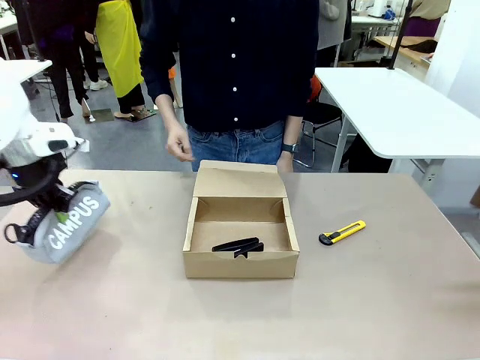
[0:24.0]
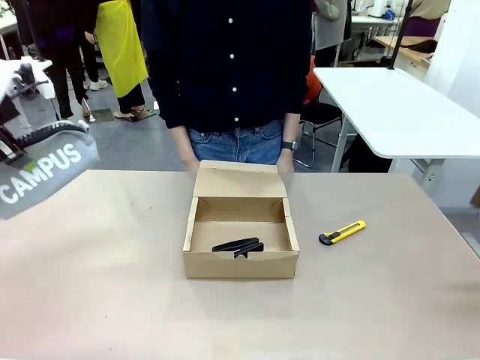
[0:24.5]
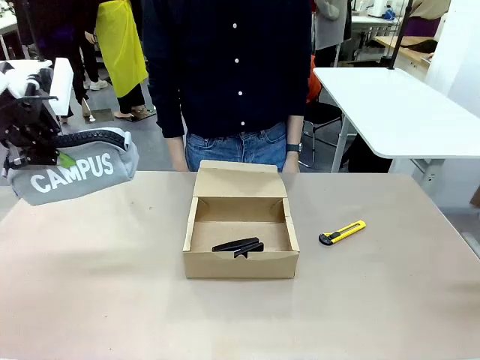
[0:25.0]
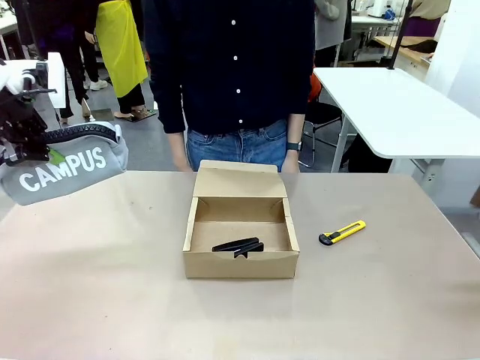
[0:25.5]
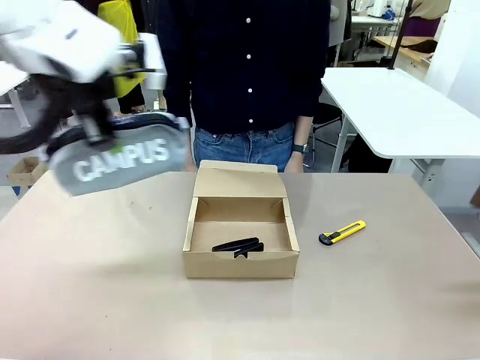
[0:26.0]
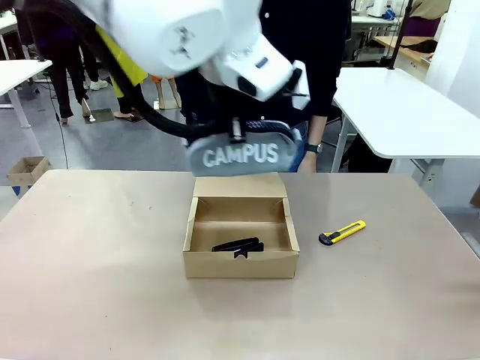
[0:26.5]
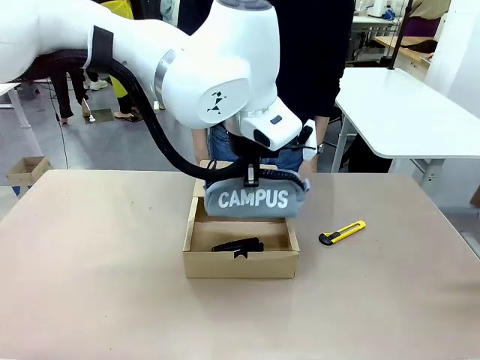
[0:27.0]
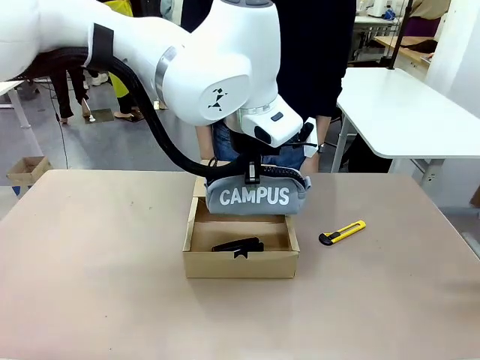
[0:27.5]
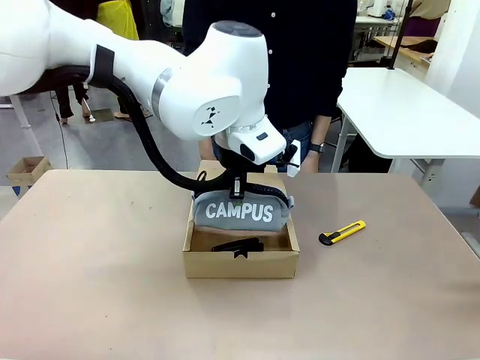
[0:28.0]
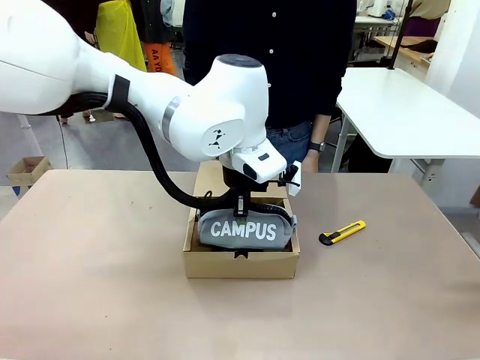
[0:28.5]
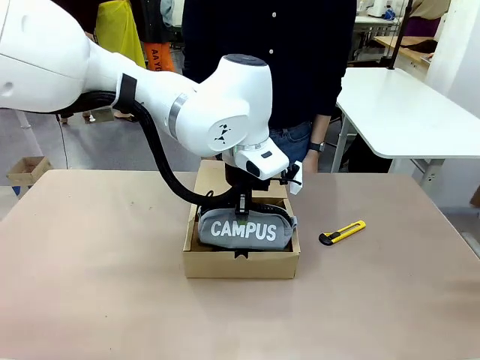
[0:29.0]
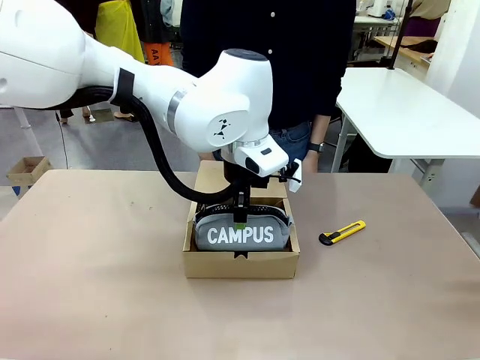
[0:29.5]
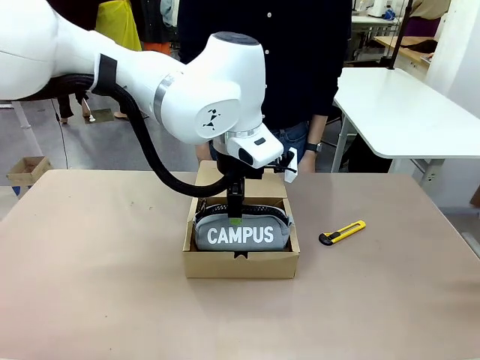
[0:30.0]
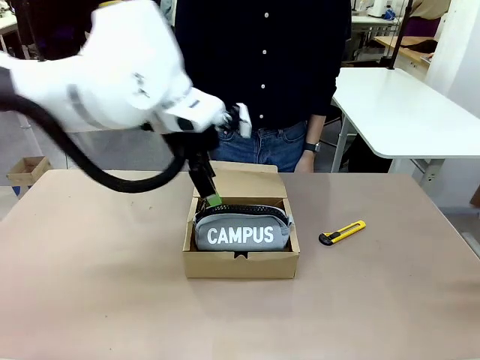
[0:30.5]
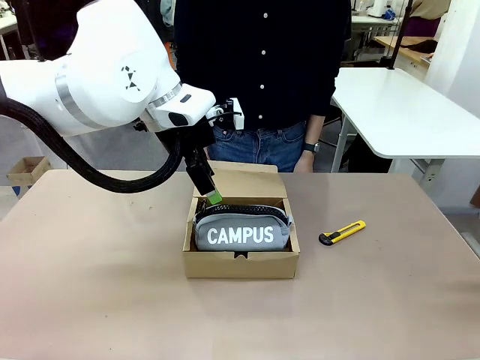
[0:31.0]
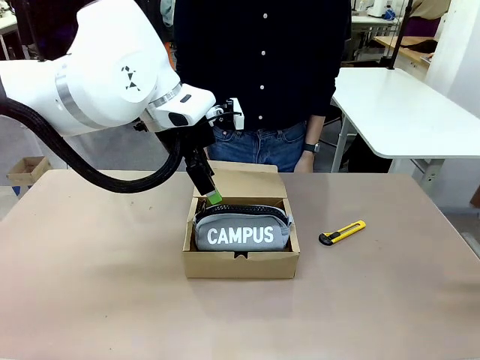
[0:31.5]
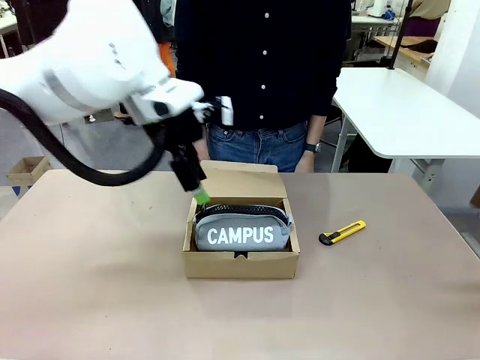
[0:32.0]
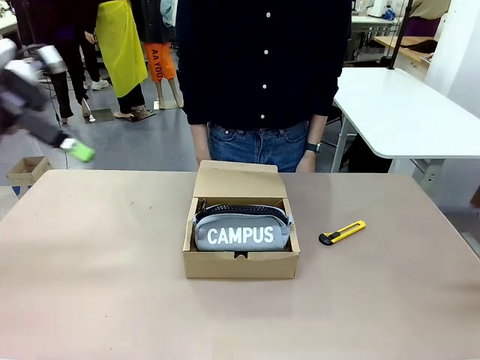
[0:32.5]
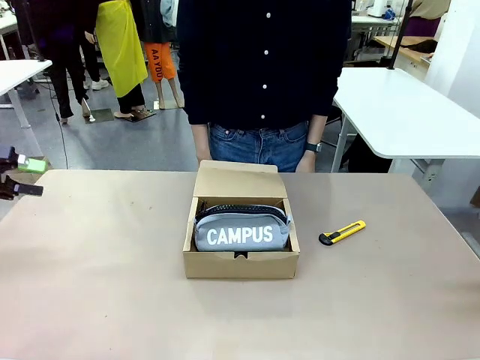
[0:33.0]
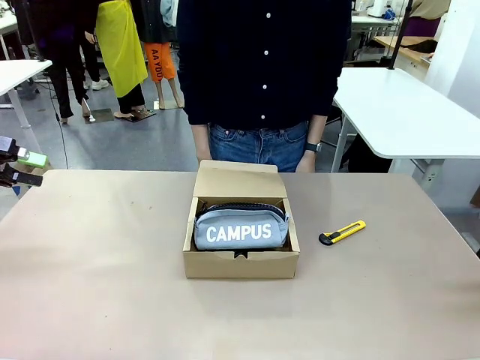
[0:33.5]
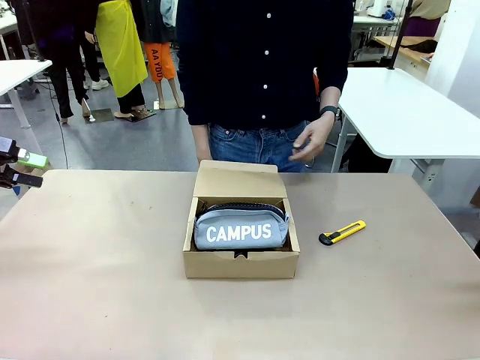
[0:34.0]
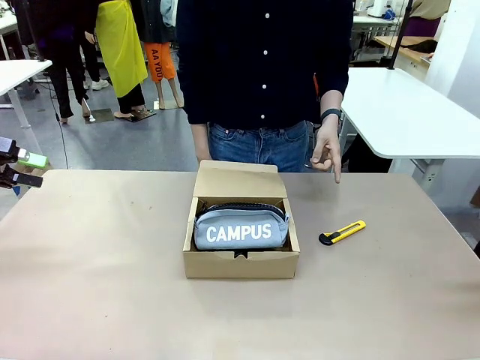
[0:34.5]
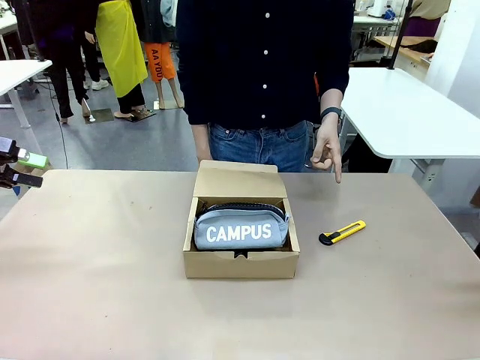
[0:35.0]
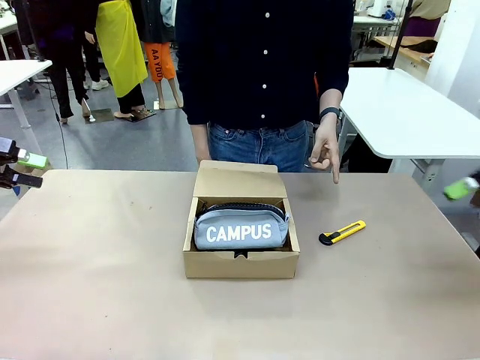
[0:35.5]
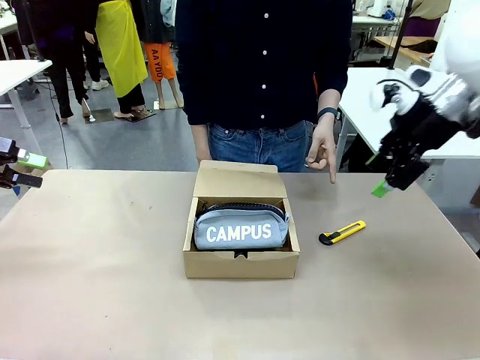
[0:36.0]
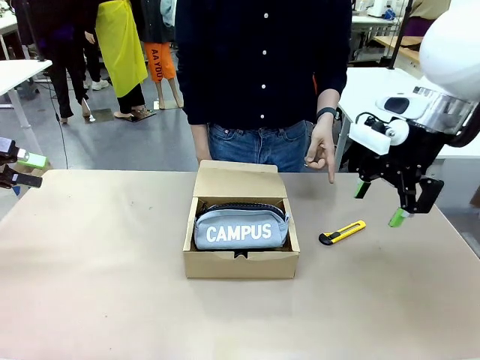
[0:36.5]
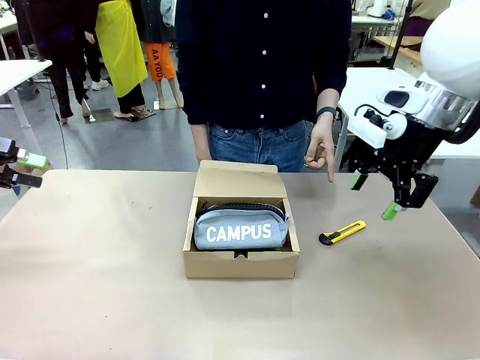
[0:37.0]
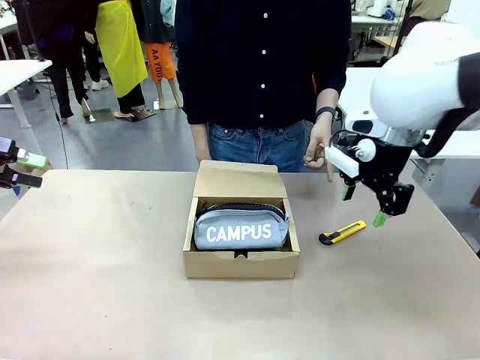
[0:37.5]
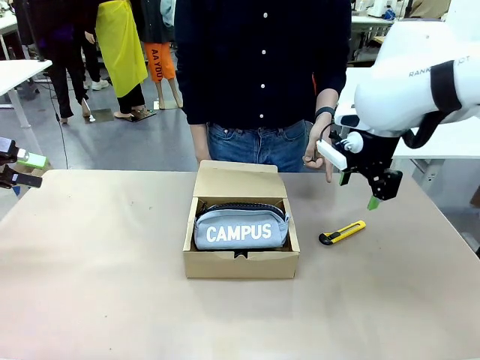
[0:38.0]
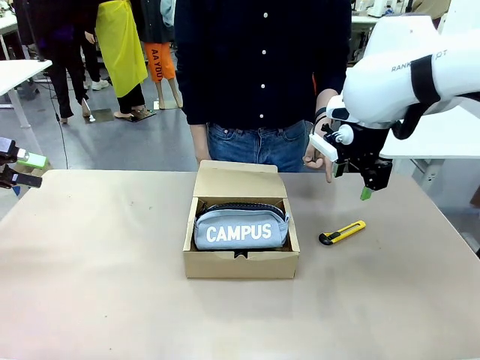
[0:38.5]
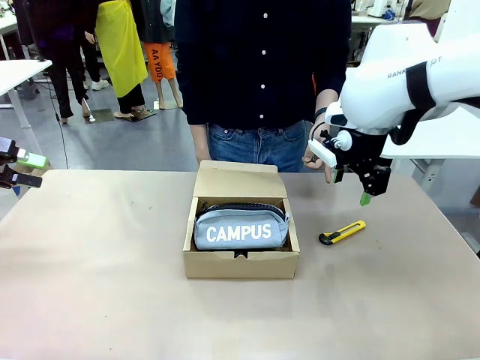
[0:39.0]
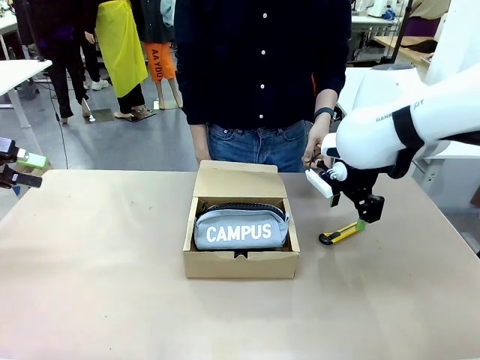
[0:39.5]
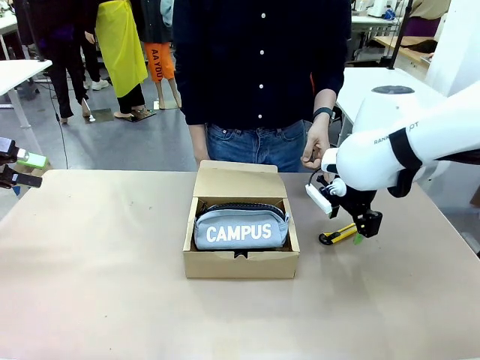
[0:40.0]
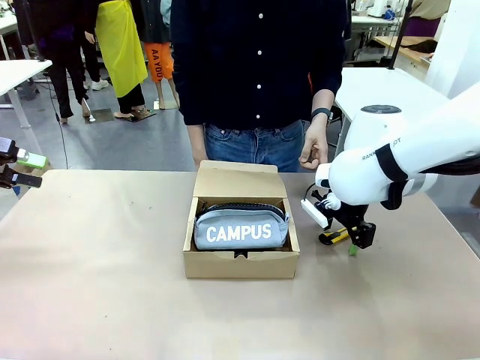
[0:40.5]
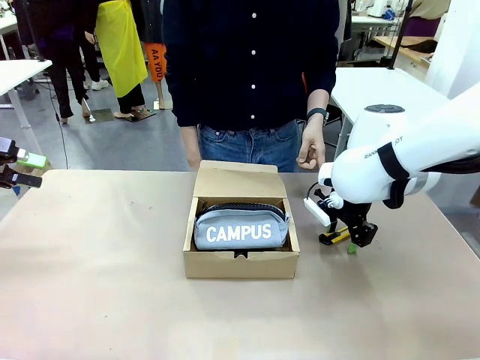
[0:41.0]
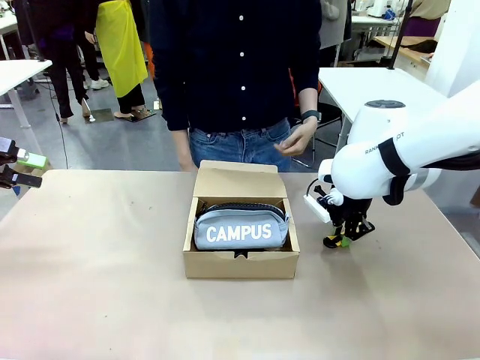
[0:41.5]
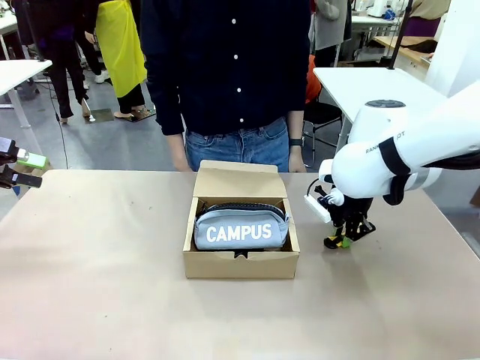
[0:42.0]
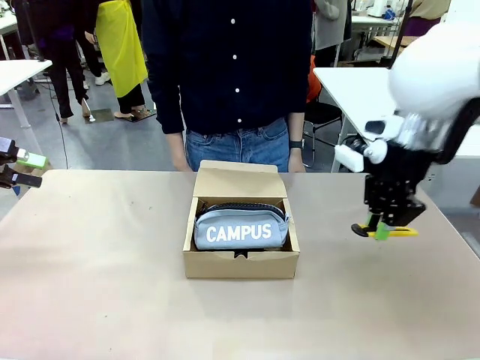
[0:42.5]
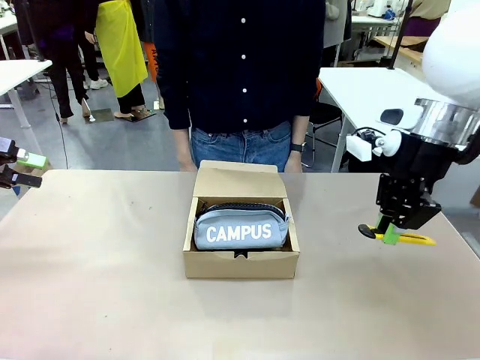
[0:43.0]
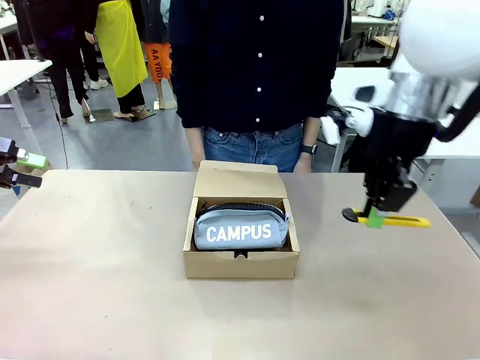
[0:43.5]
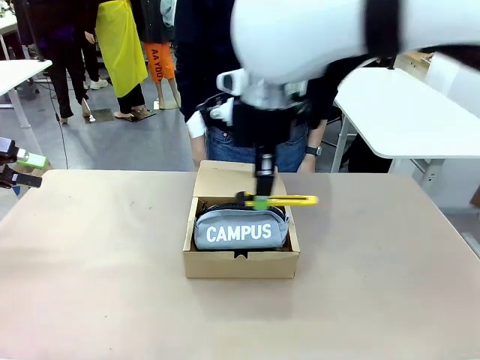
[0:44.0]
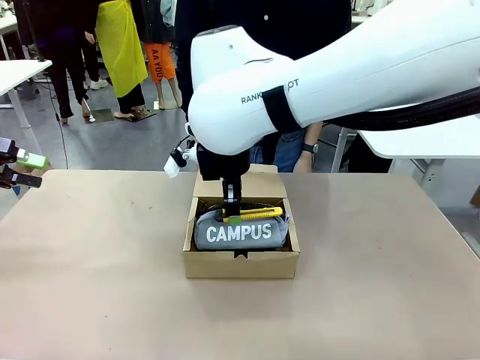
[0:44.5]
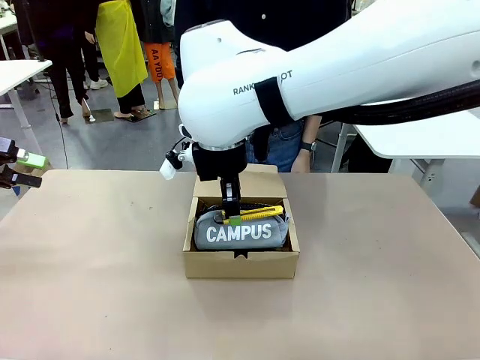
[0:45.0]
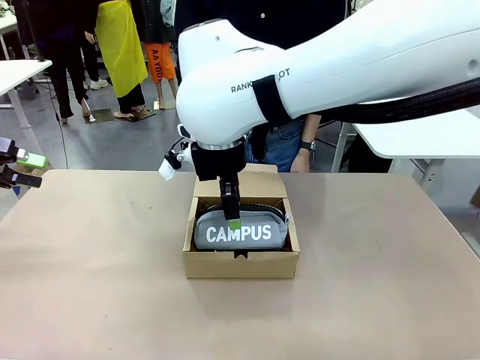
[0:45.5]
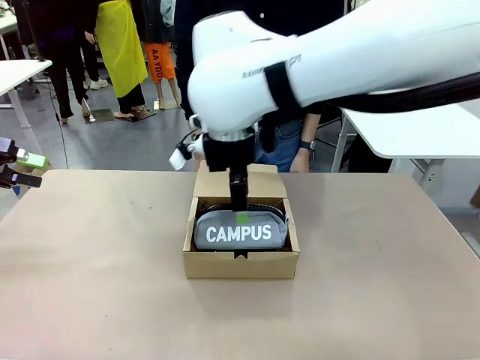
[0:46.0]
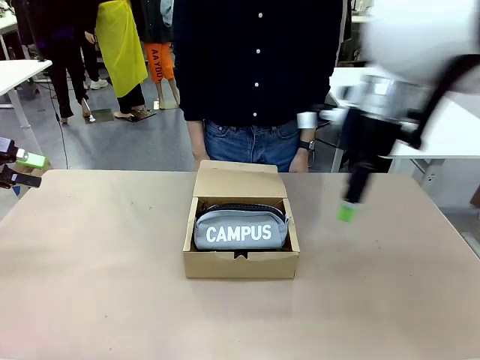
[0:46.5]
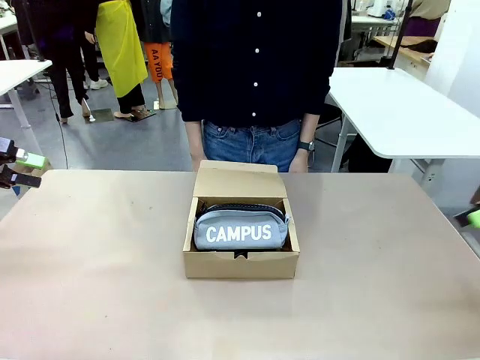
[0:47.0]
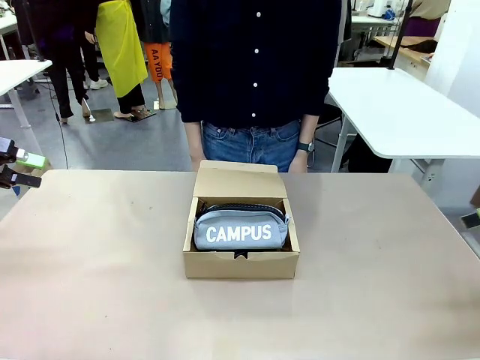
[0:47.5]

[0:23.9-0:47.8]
Task: Pack the items into the box.
Robot: Pick up the item indicated by the person and place it inside the Mailer Box.
Person: Lower both hands vertically with palms facing downward, as if pressing something closed.
